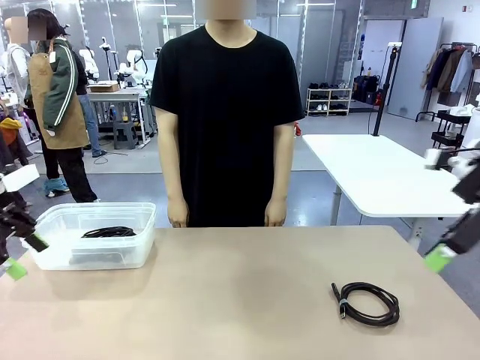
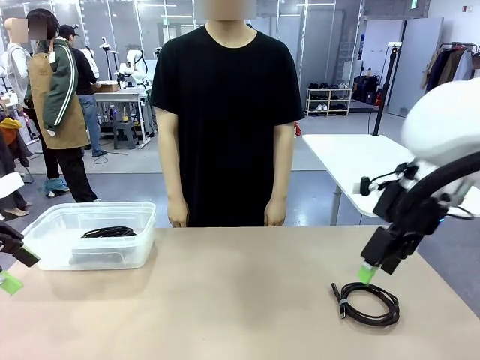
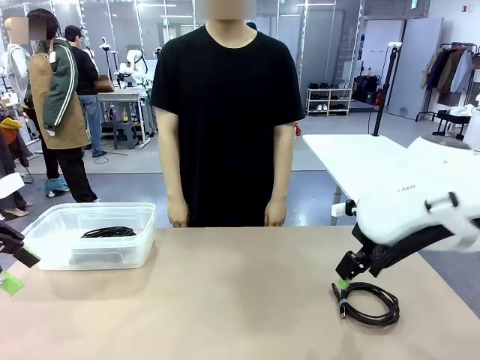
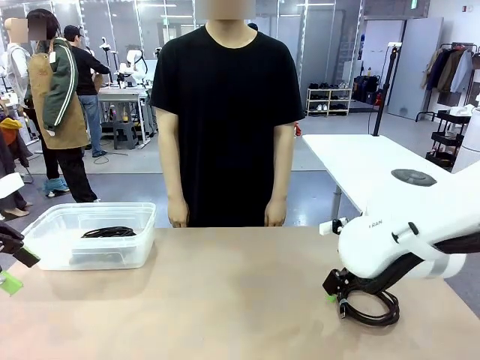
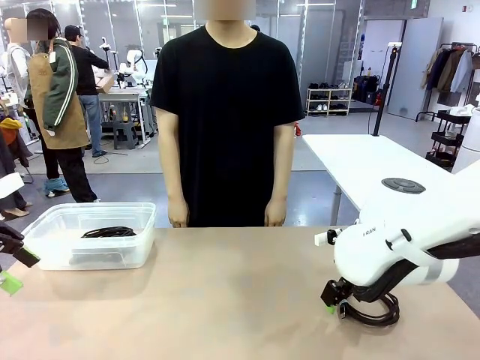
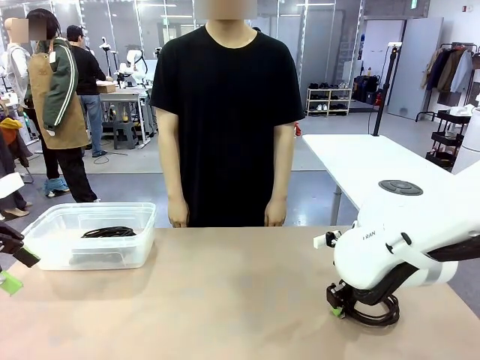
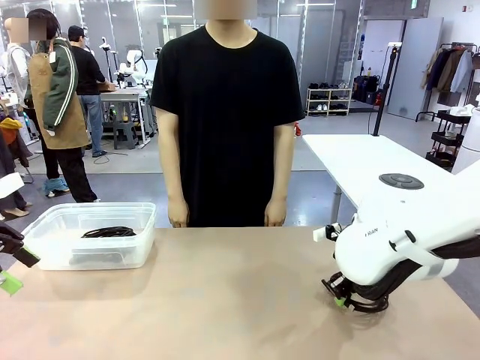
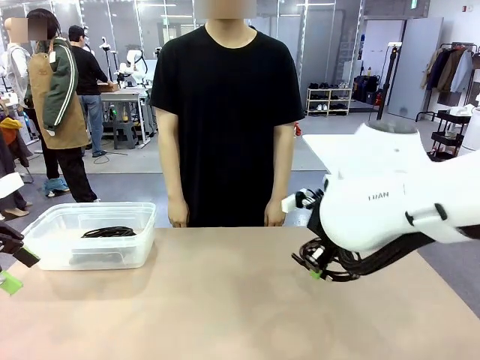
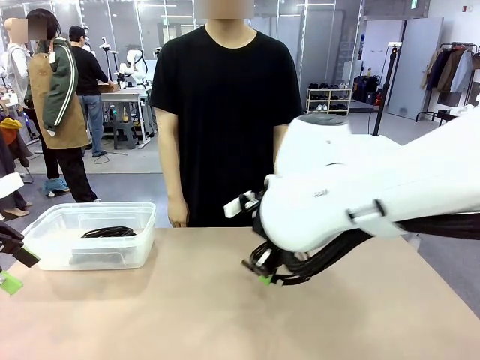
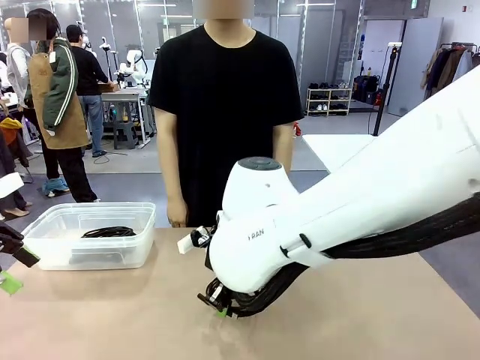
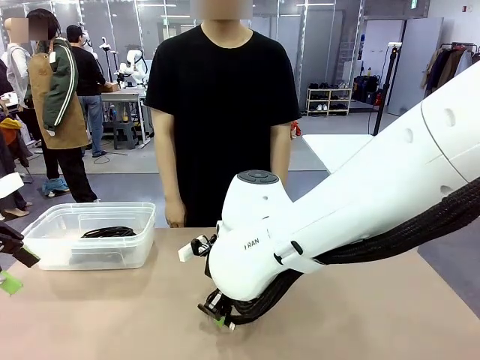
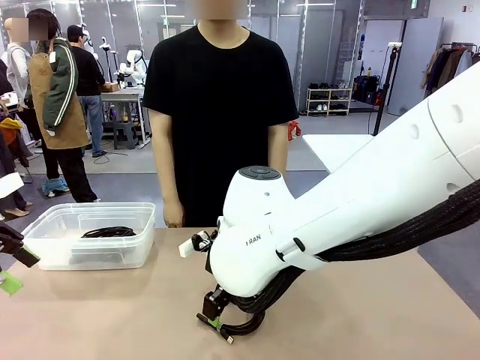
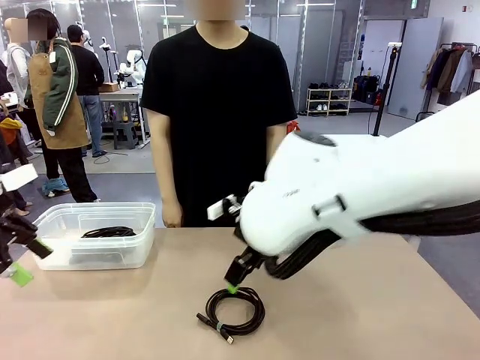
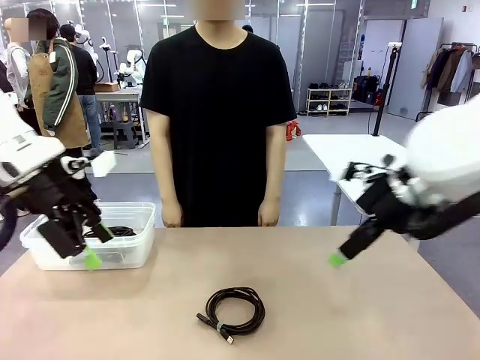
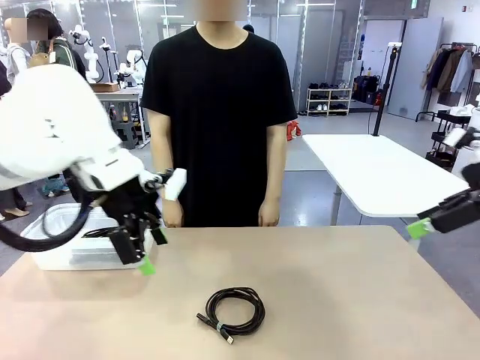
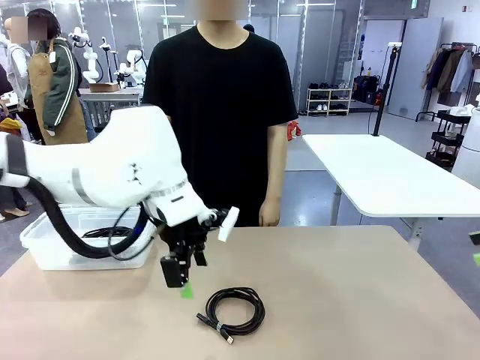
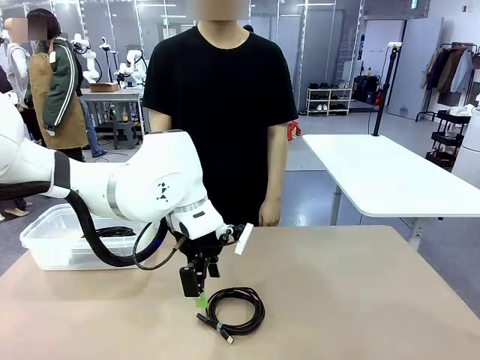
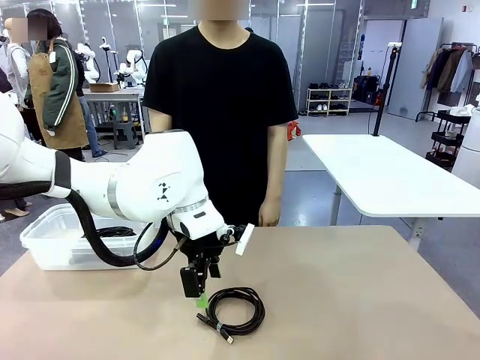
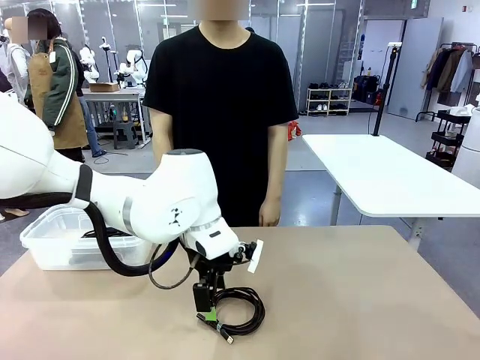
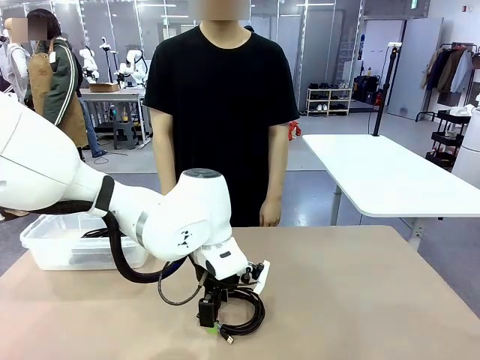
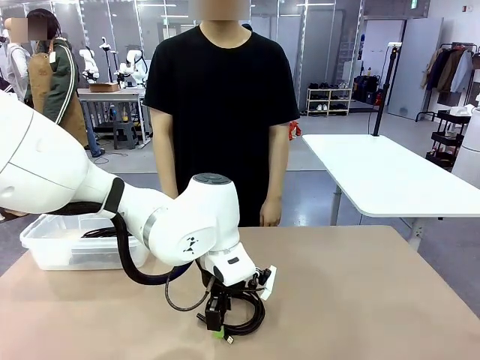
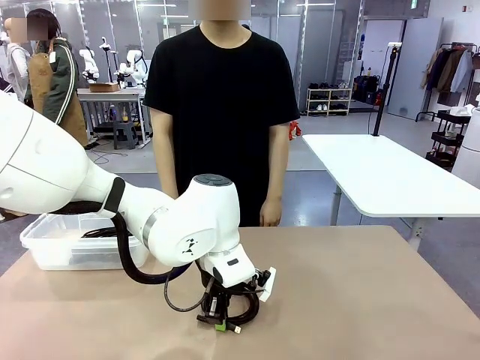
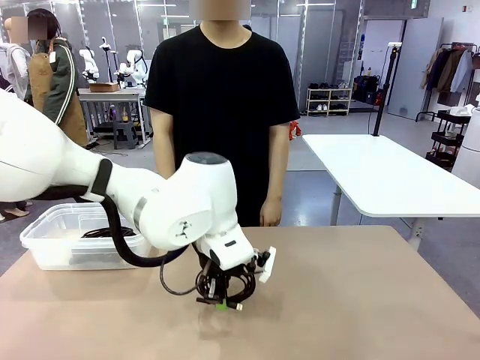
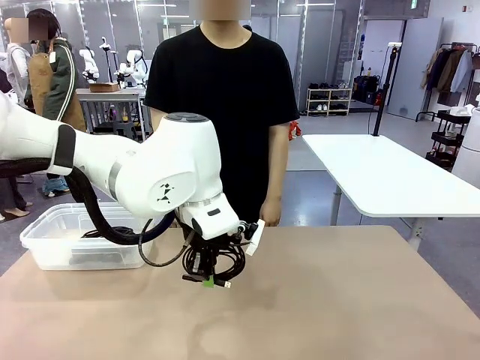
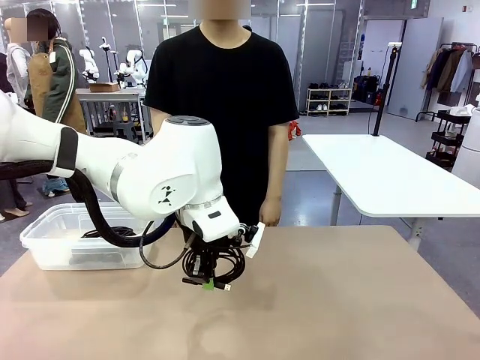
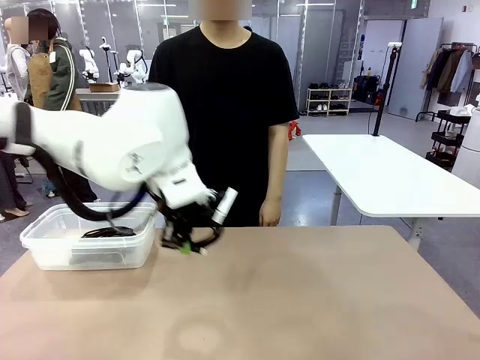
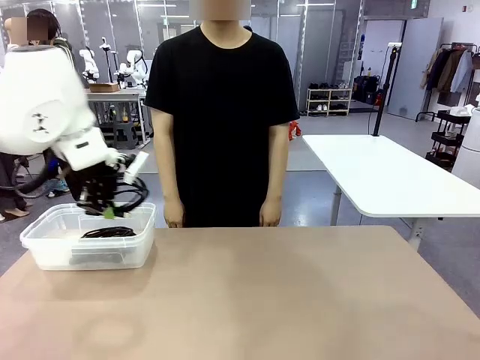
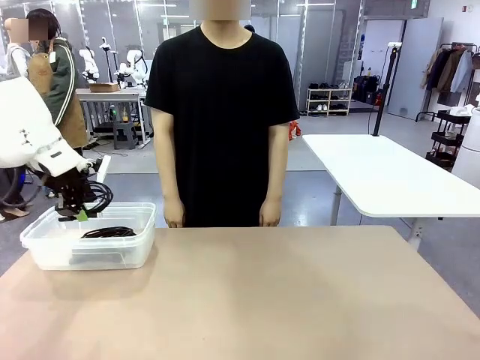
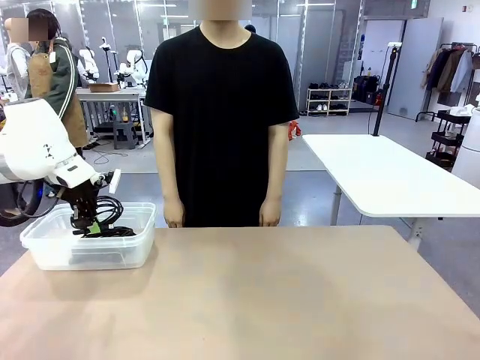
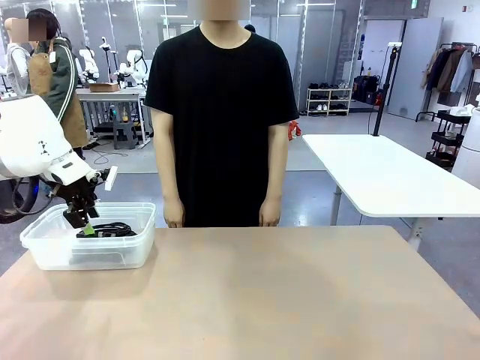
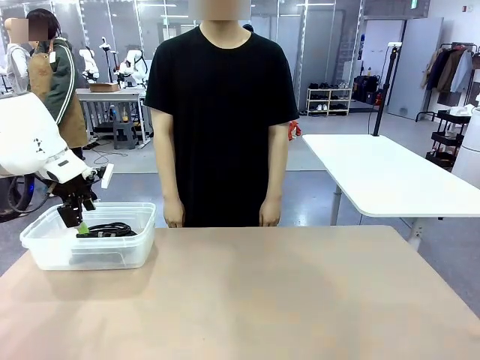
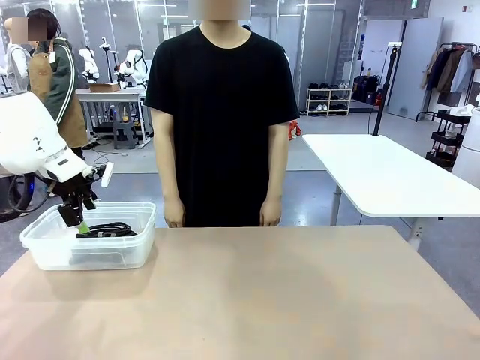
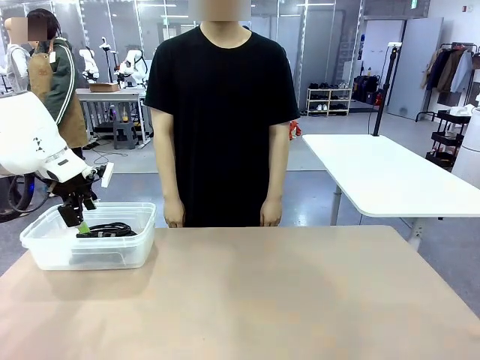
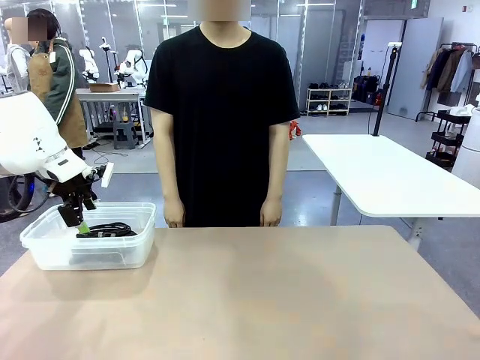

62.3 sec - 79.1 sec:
Task: Organize and store the cables.
Robot: Place the USB Extension Cable into the Organizing box.

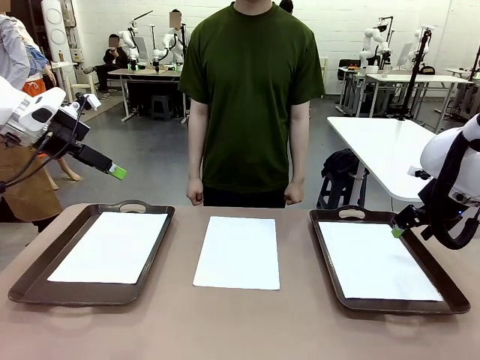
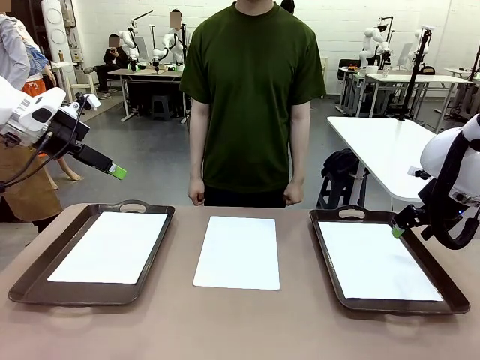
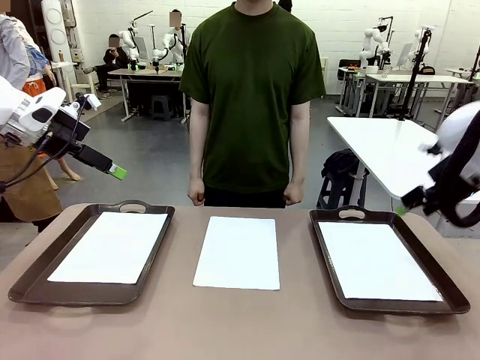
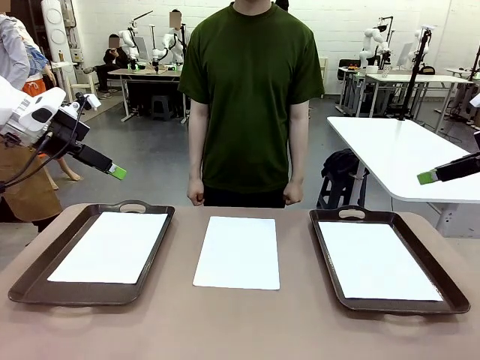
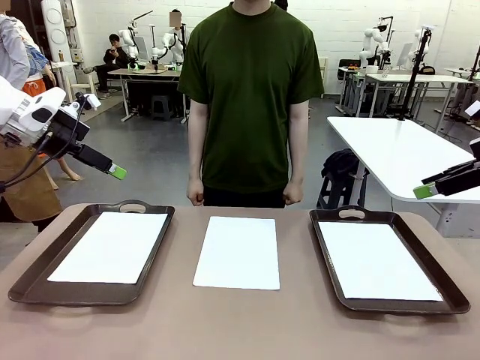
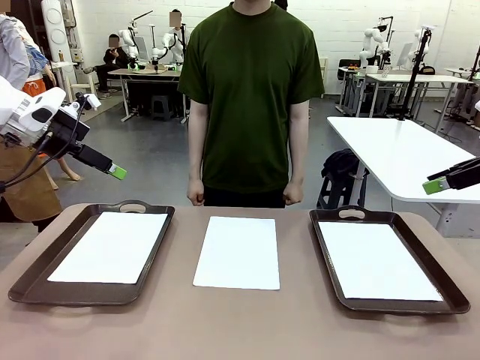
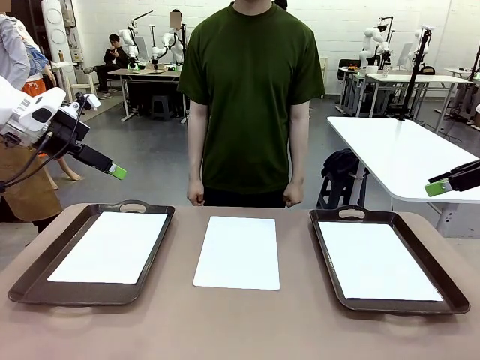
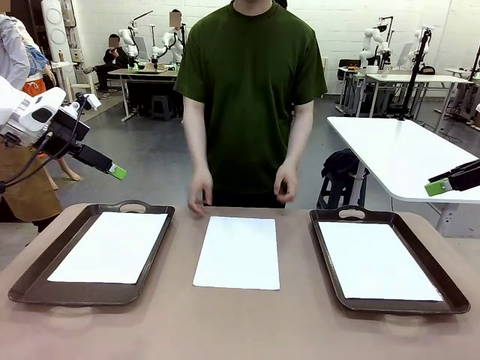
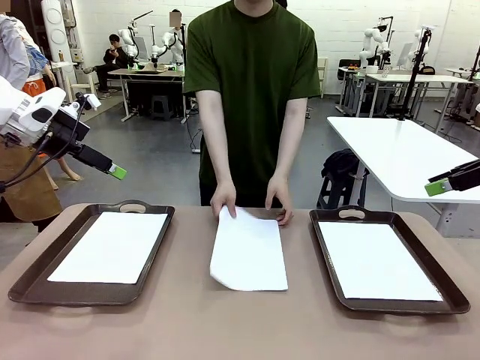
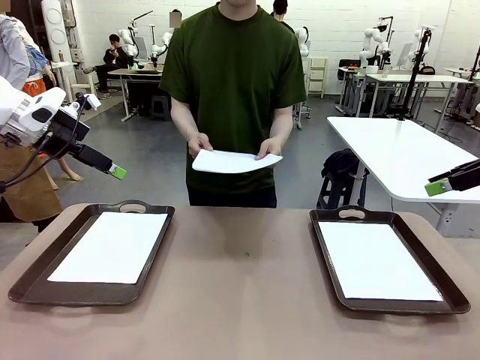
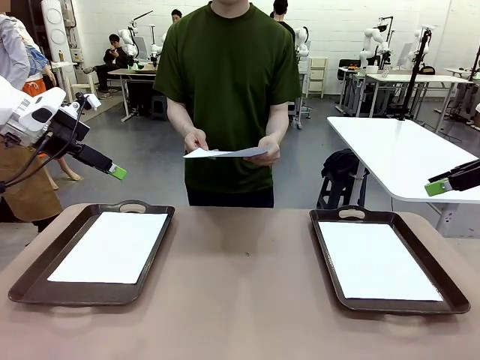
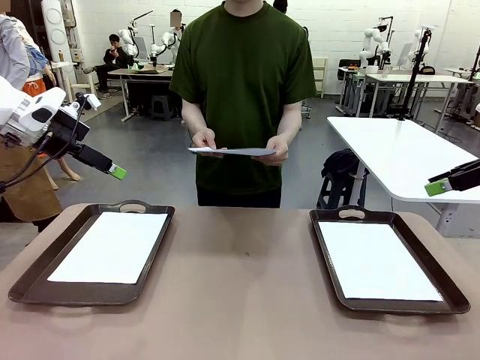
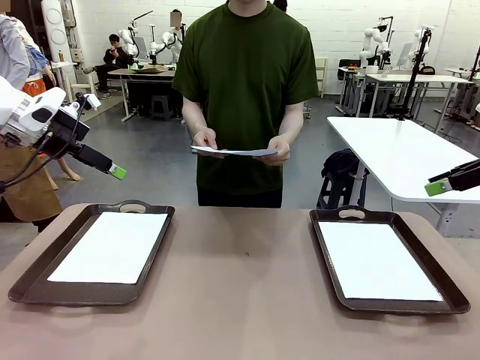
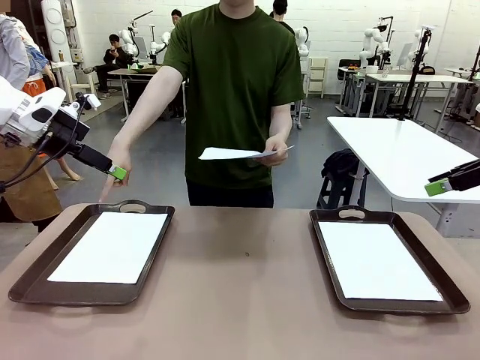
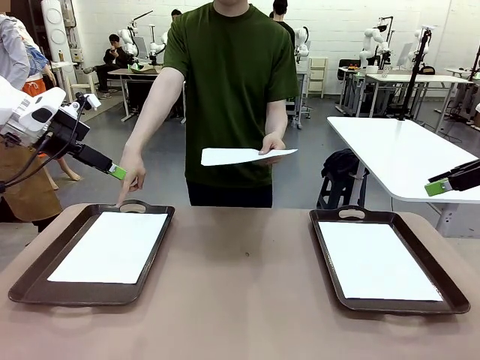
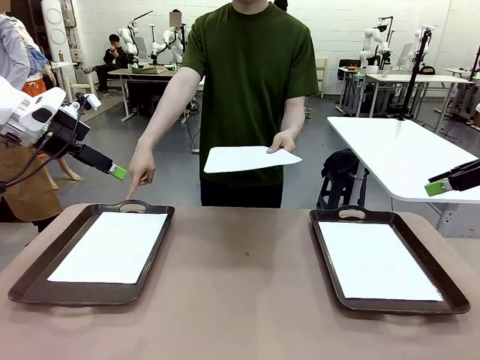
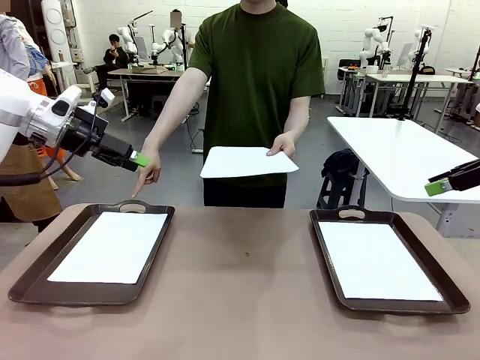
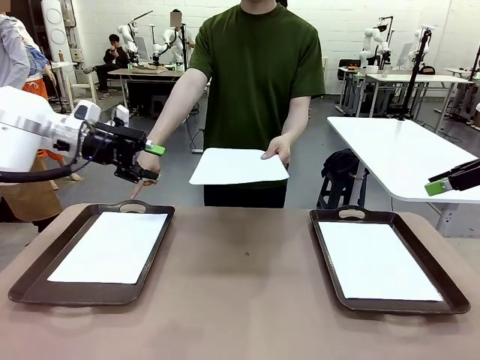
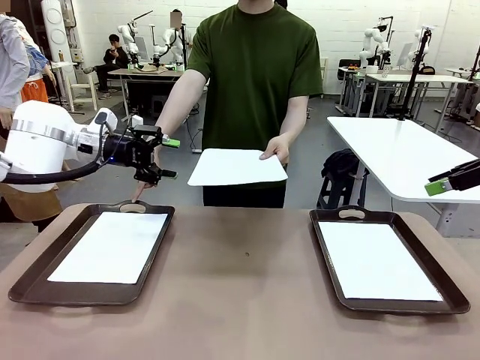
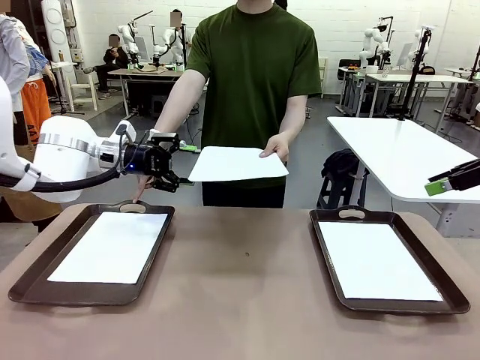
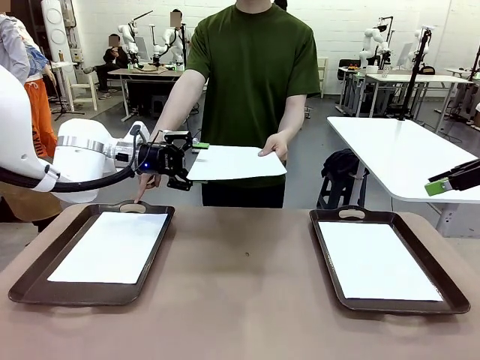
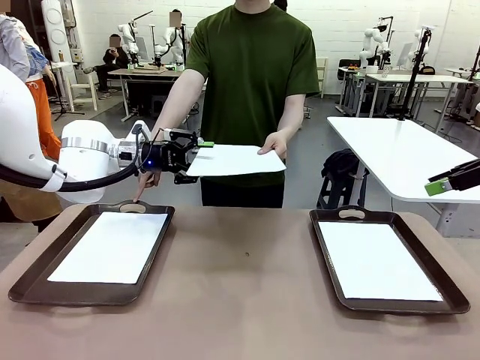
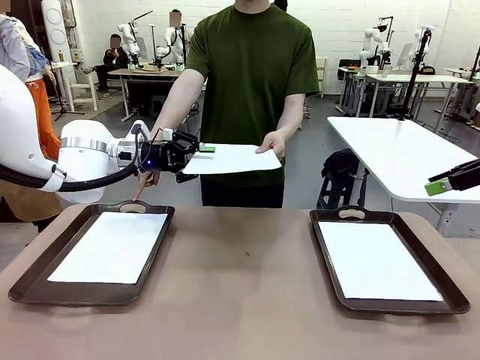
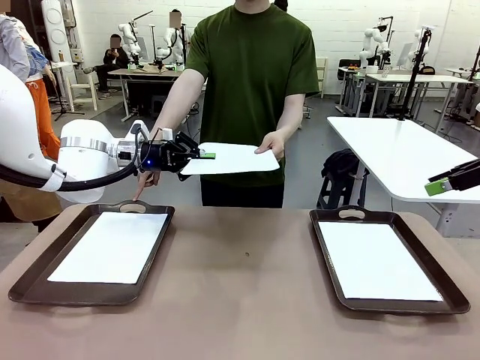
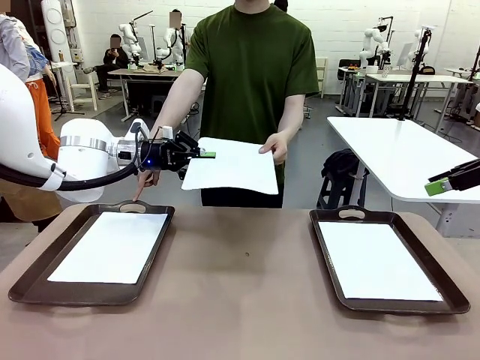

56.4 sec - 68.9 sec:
Task: Sort the A4 documents.
Robot: Receive the A4 Paper.
Person: Point the randomly selected tray with the other hand.
